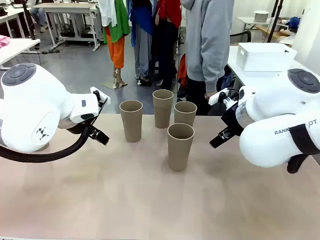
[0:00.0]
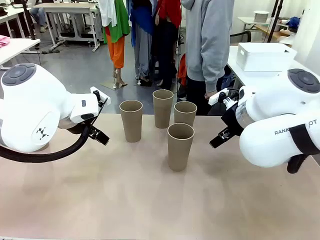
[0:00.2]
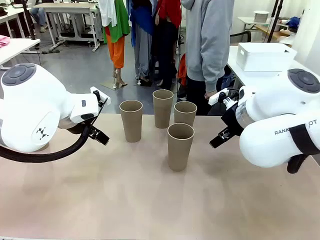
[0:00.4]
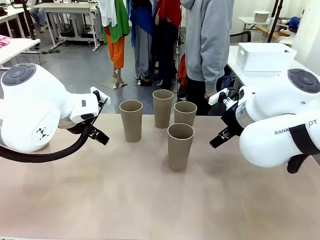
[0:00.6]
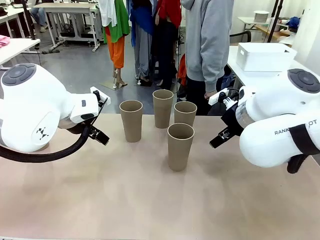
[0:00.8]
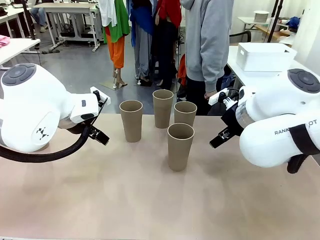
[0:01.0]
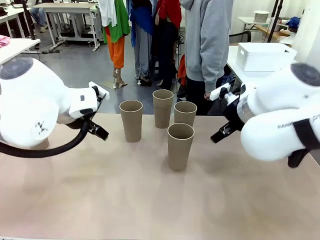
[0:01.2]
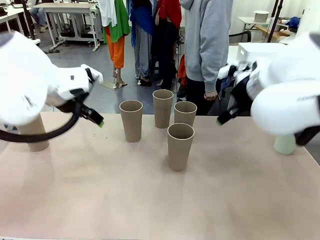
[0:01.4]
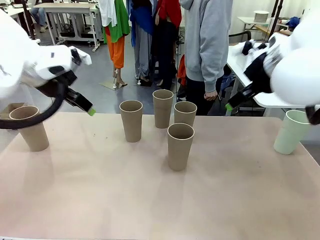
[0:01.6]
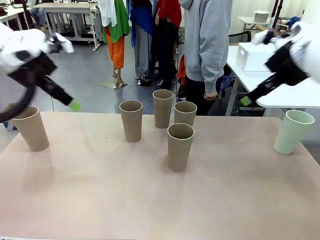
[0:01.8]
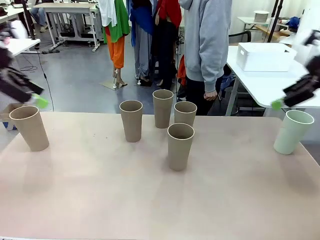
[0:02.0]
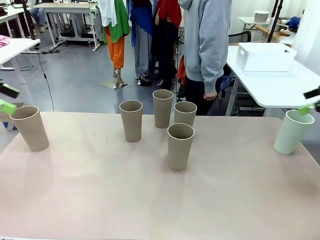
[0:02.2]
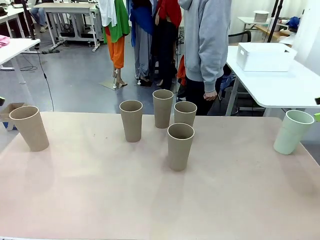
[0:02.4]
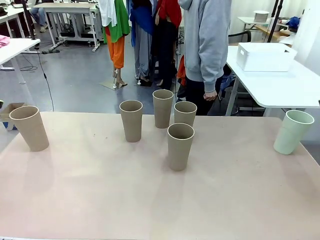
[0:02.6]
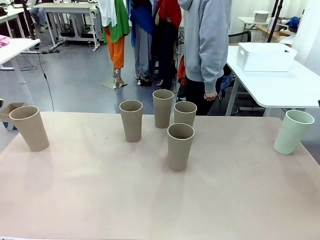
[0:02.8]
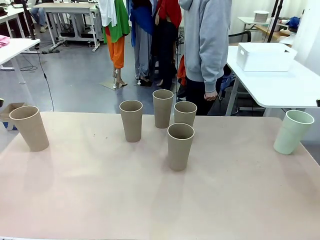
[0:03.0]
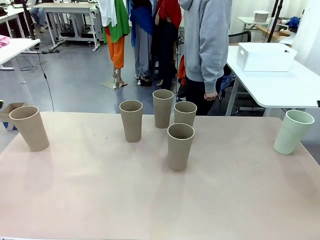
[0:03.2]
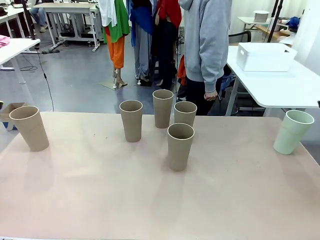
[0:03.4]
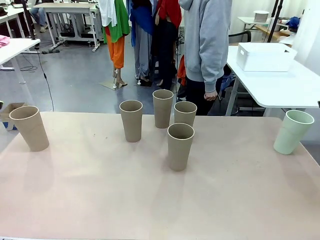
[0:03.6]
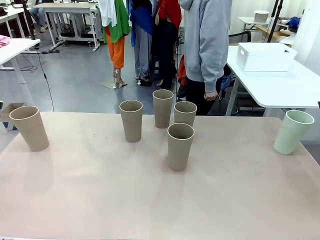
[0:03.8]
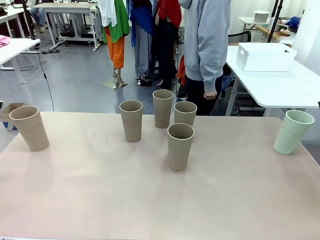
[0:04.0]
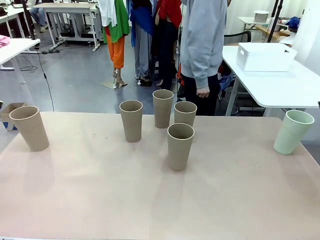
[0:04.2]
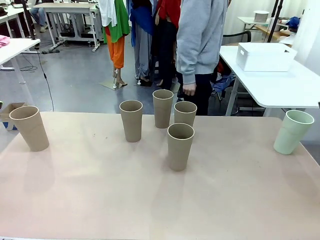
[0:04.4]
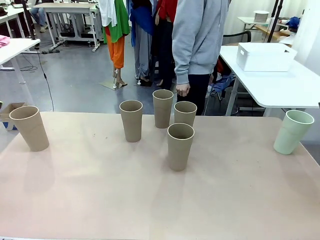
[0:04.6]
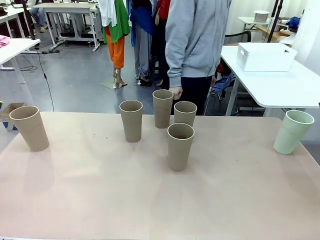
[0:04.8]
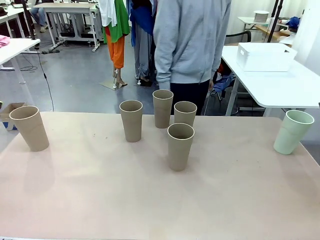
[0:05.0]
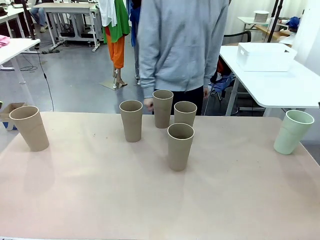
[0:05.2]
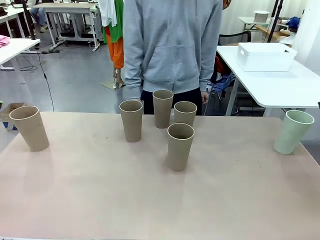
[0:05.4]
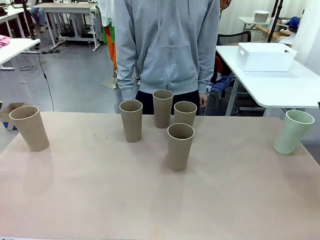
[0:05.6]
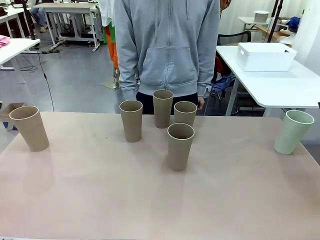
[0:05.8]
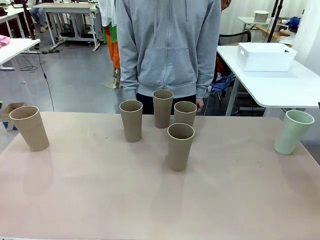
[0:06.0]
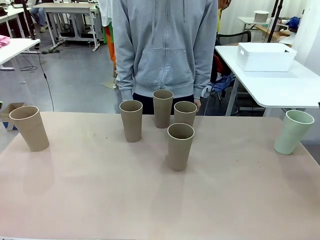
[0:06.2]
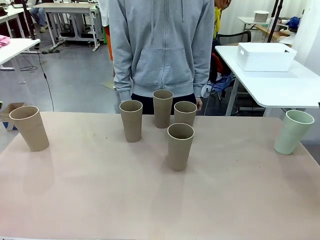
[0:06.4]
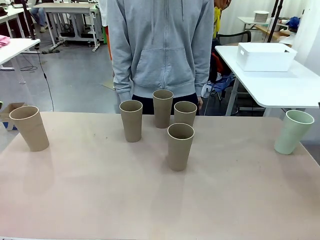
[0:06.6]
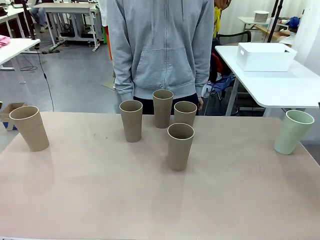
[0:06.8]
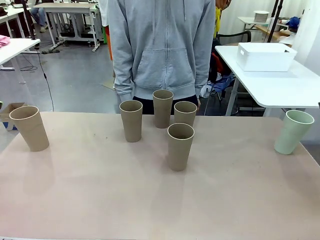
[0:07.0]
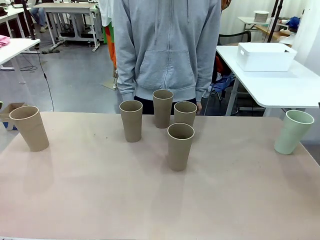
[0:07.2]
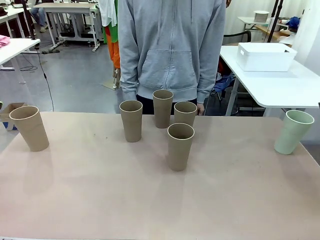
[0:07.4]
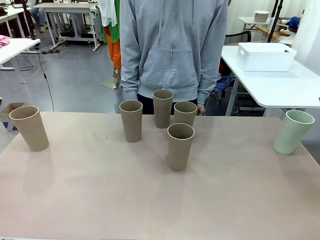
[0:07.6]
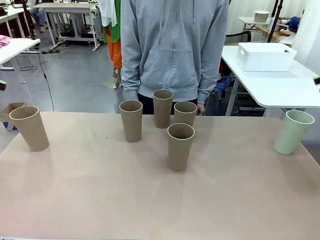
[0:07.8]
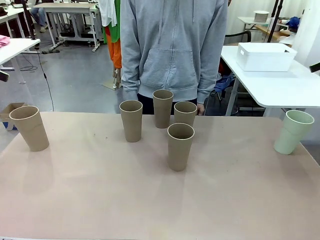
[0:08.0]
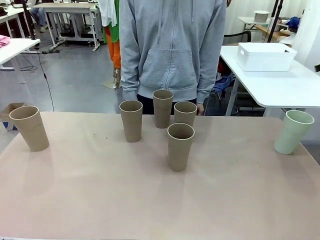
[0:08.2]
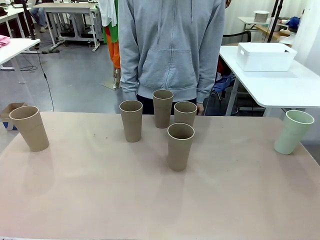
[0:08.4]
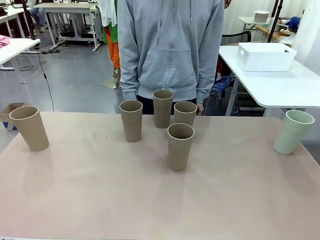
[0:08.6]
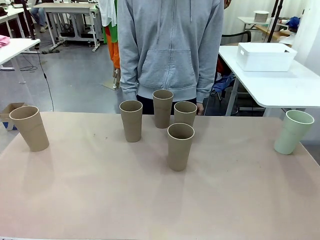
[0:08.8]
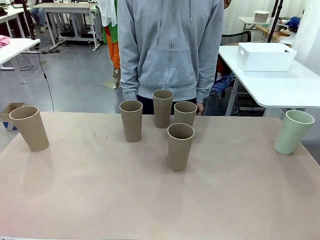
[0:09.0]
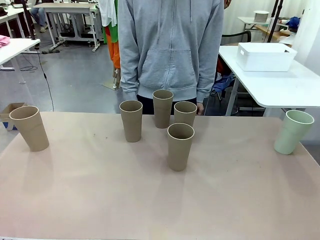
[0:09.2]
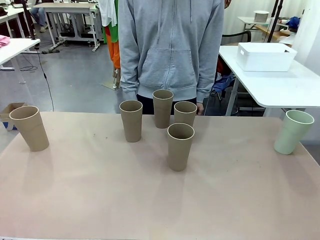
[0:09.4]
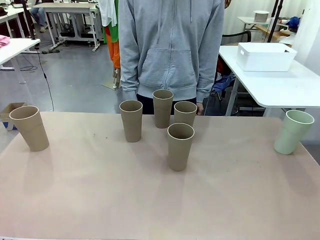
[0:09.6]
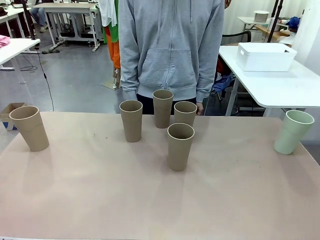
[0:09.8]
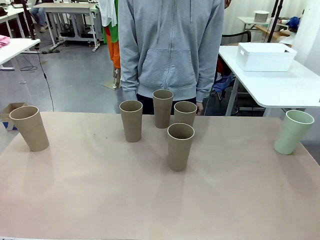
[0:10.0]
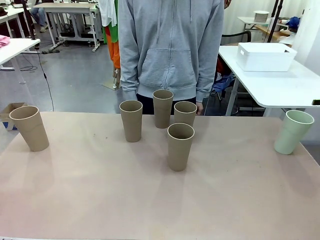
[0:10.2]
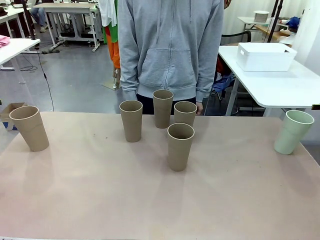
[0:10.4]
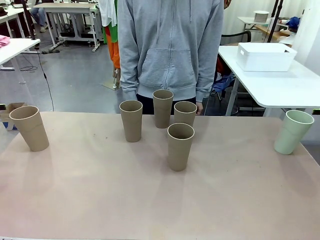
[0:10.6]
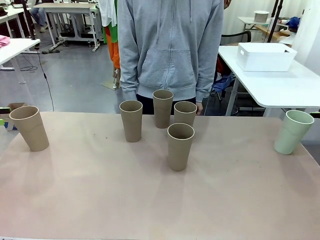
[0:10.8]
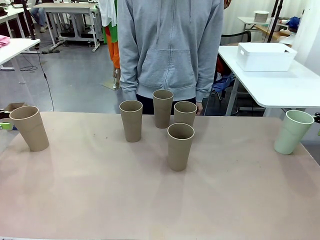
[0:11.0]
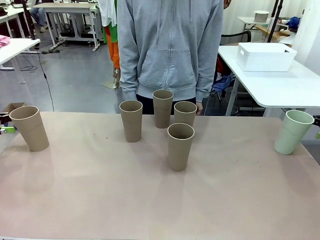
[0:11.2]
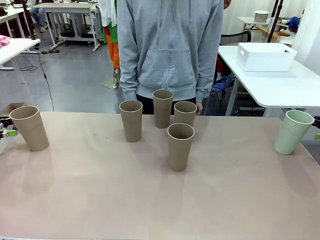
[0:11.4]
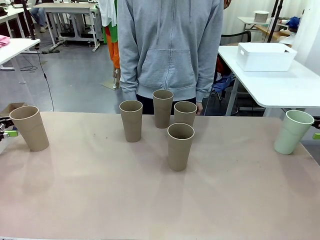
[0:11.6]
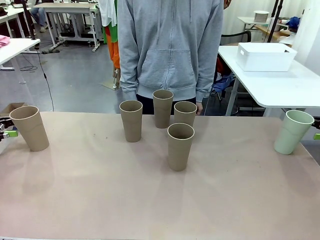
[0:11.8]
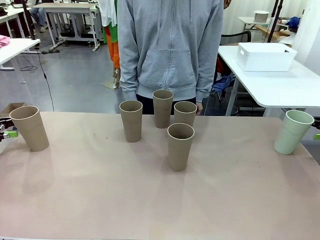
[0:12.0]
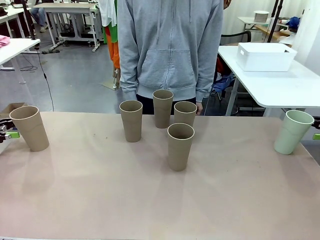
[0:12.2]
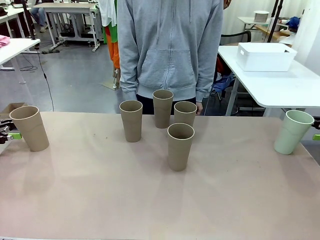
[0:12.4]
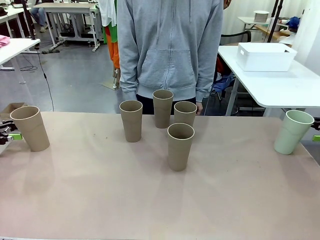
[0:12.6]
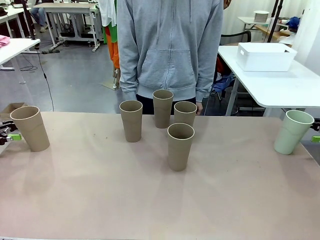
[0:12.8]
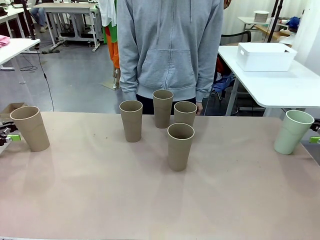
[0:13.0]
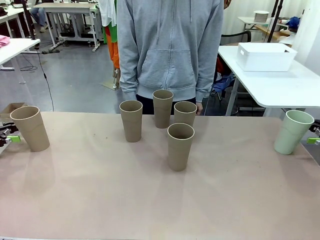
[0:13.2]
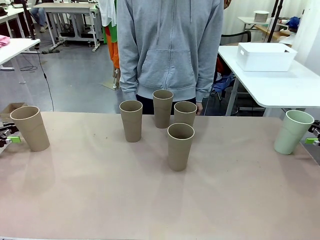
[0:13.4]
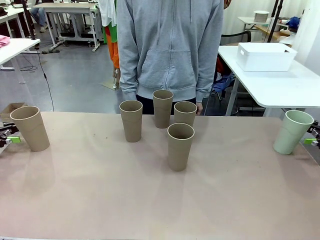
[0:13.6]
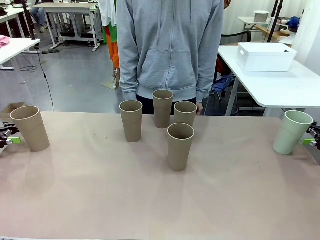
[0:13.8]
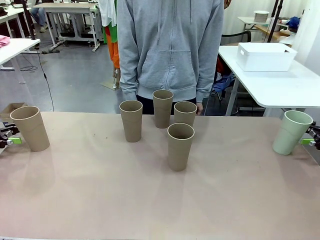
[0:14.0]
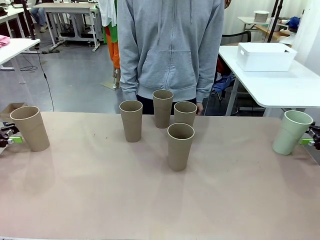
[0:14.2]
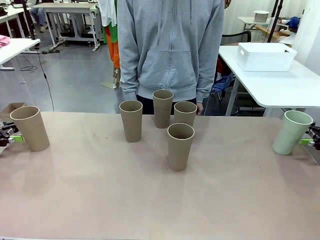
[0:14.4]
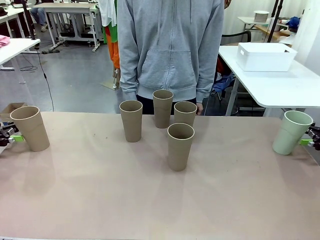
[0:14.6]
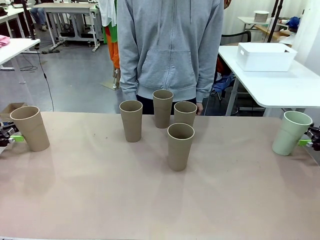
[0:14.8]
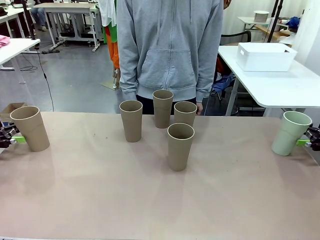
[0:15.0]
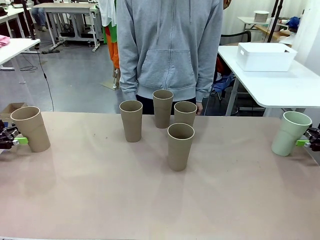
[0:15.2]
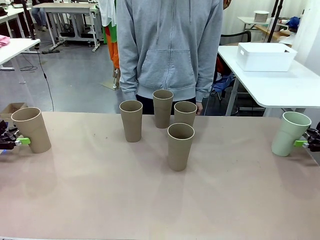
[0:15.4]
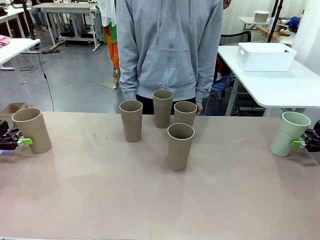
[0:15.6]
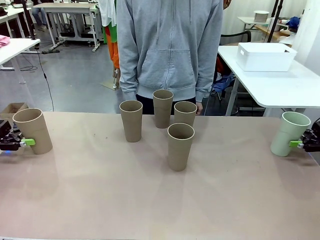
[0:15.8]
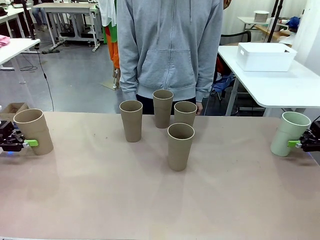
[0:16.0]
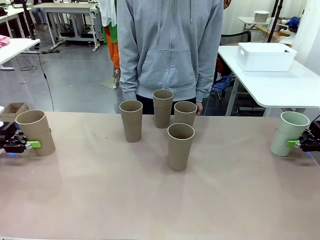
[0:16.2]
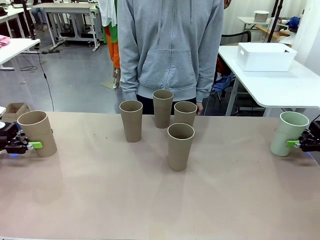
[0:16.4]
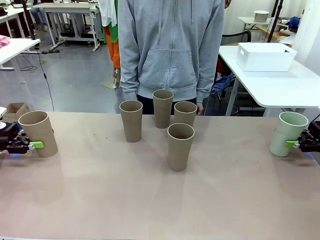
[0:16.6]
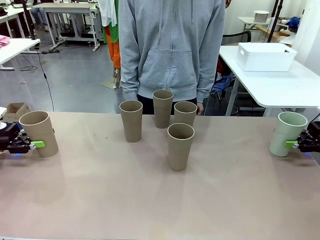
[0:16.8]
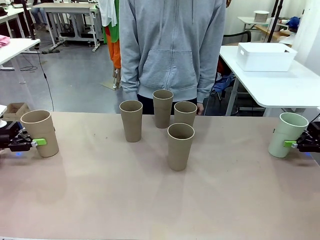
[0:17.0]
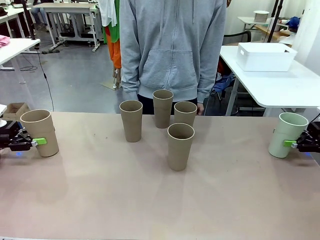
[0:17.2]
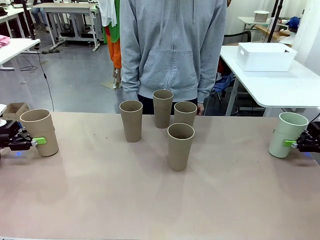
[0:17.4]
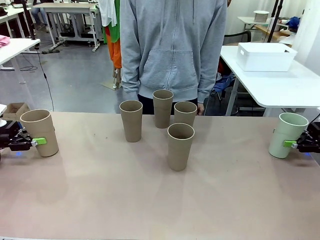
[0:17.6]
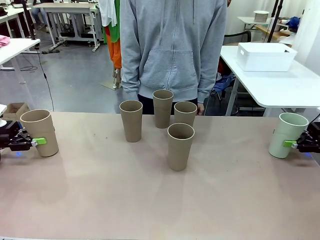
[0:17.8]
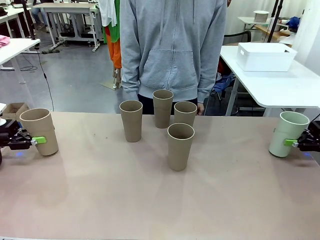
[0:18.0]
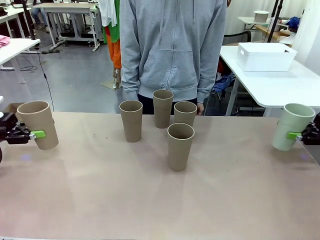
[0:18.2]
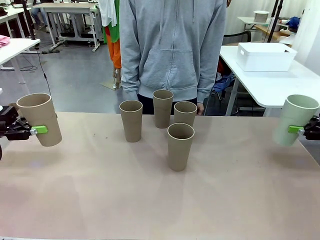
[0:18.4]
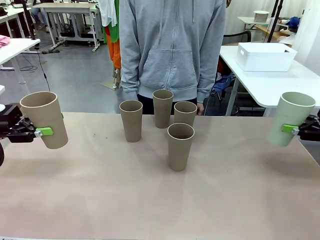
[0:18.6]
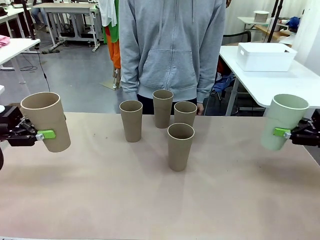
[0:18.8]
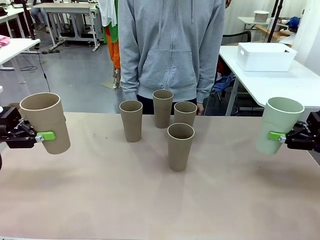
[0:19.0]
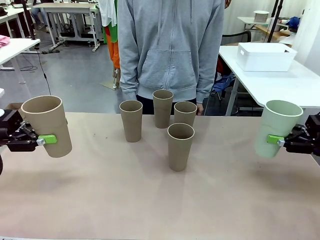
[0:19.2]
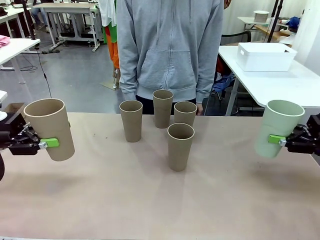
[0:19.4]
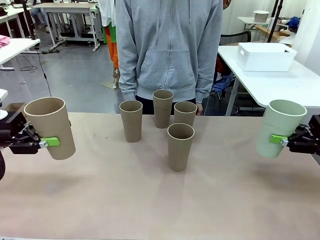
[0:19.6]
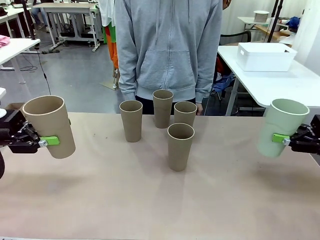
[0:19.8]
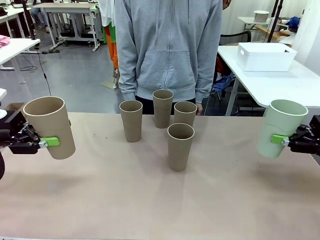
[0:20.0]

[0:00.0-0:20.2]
Task: Stack the cups and store them in the basket.
Robot: Pick up two Reusable plastic cups , one in each hand.
Person: Move from the Human Table to the front of the Robot Table. Stack two of the remaining cups on top of each cup held by the robot.
